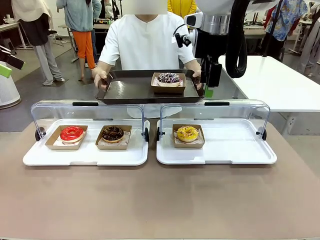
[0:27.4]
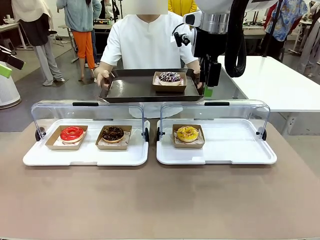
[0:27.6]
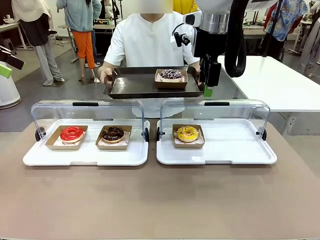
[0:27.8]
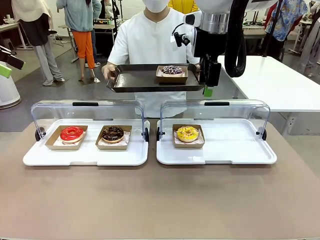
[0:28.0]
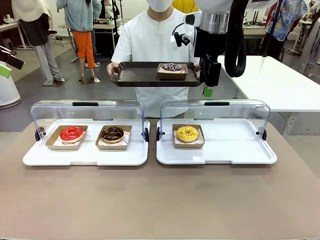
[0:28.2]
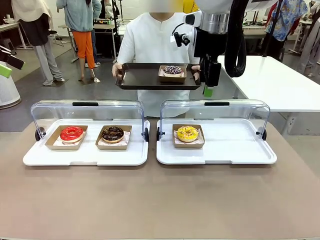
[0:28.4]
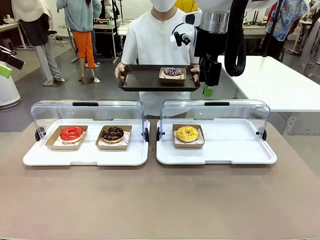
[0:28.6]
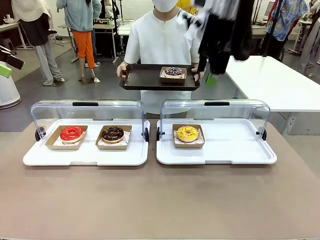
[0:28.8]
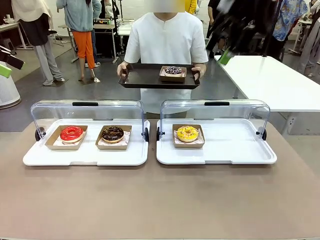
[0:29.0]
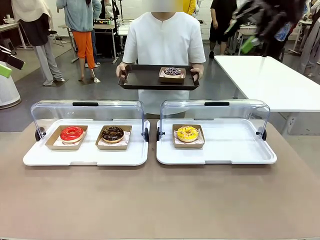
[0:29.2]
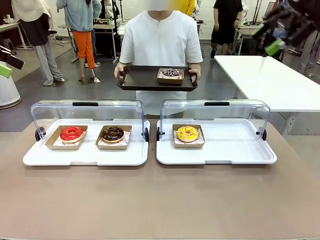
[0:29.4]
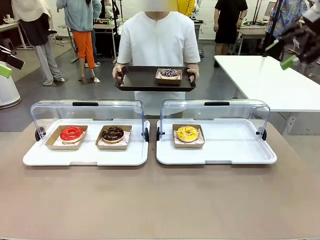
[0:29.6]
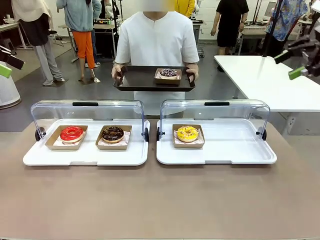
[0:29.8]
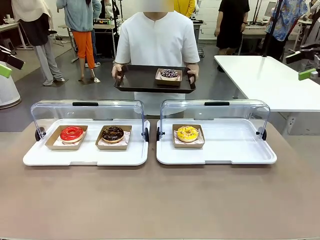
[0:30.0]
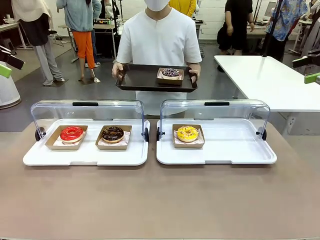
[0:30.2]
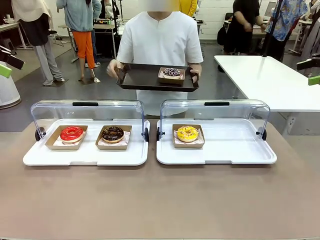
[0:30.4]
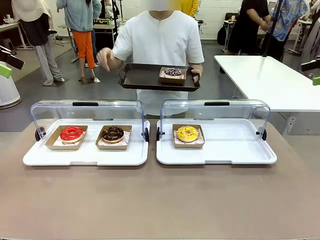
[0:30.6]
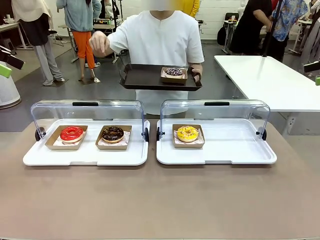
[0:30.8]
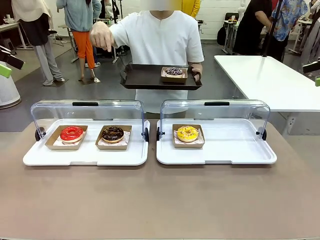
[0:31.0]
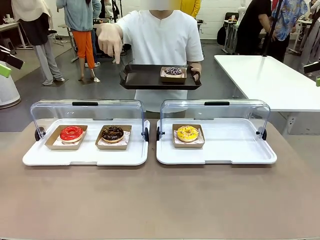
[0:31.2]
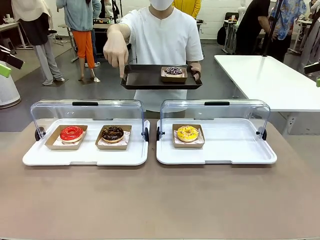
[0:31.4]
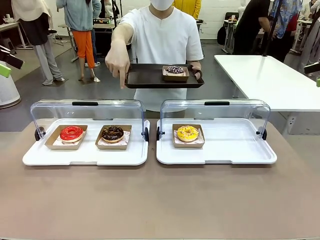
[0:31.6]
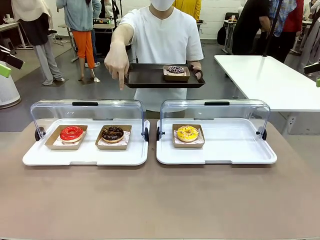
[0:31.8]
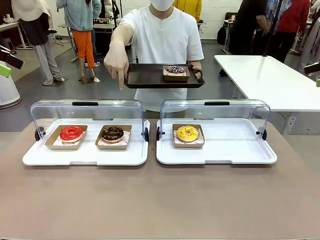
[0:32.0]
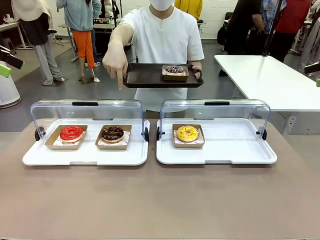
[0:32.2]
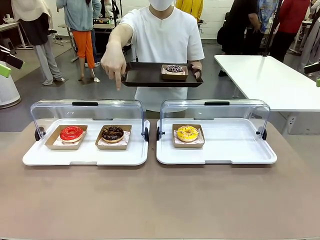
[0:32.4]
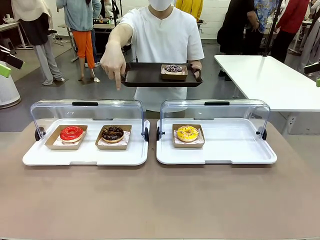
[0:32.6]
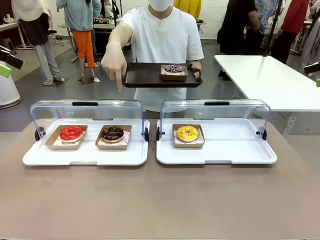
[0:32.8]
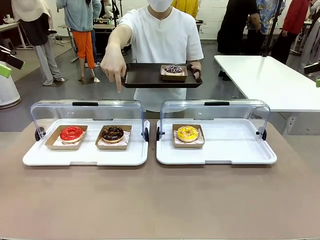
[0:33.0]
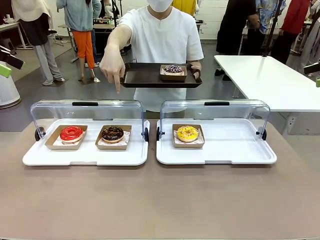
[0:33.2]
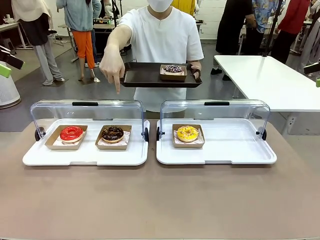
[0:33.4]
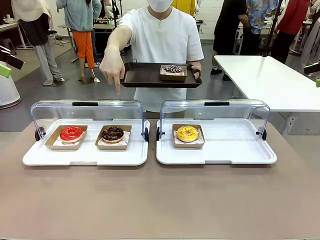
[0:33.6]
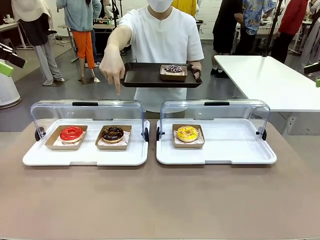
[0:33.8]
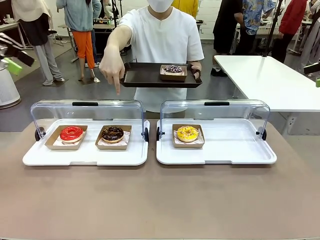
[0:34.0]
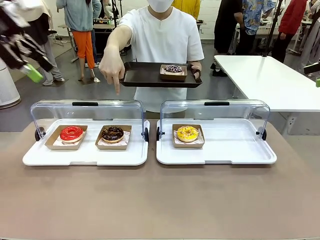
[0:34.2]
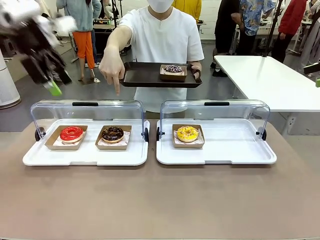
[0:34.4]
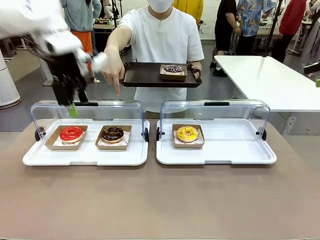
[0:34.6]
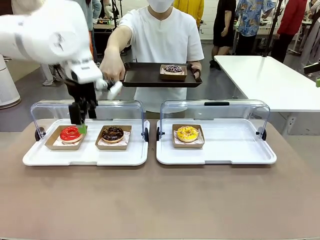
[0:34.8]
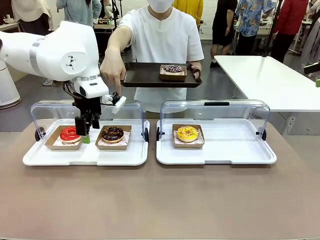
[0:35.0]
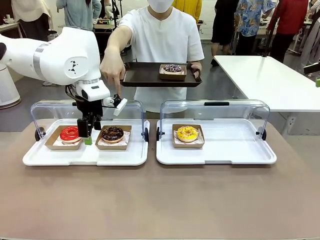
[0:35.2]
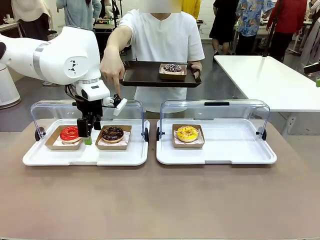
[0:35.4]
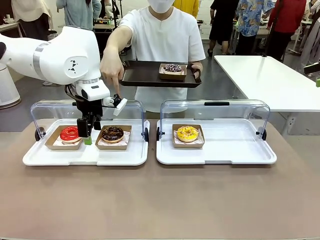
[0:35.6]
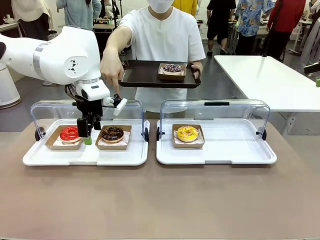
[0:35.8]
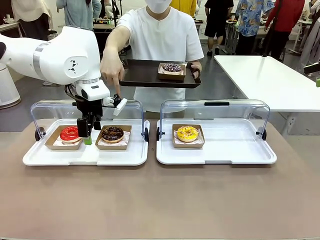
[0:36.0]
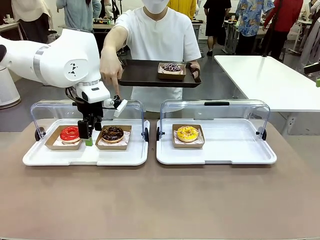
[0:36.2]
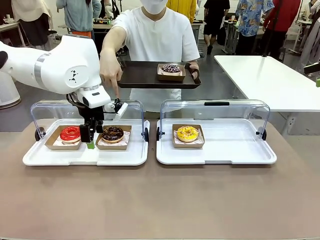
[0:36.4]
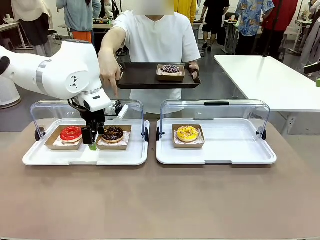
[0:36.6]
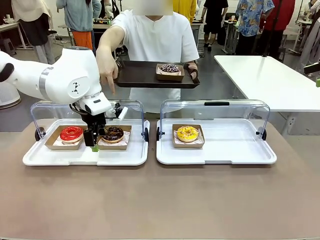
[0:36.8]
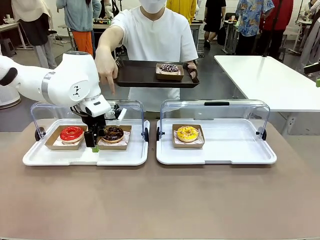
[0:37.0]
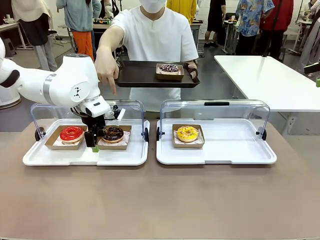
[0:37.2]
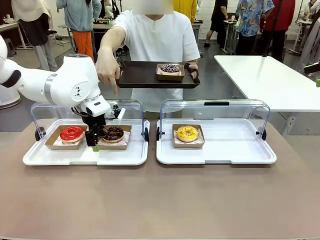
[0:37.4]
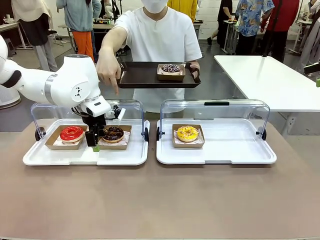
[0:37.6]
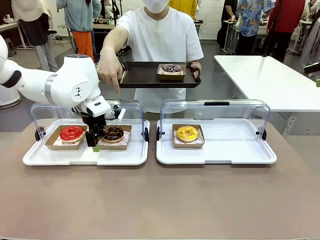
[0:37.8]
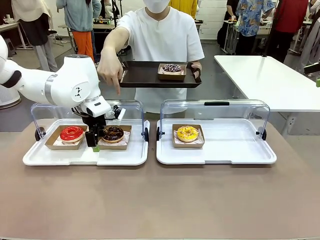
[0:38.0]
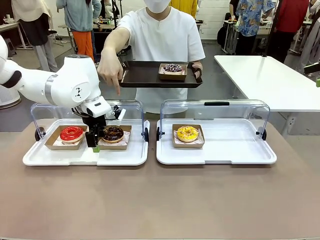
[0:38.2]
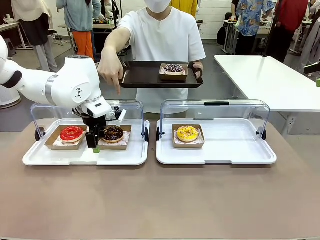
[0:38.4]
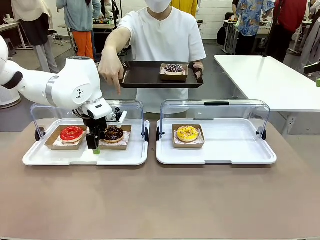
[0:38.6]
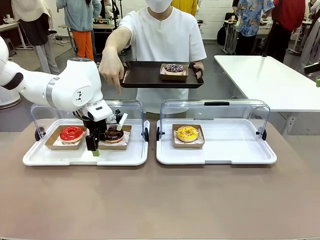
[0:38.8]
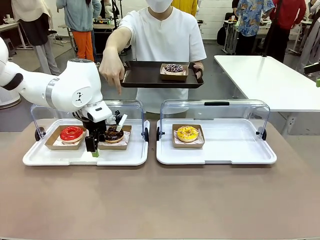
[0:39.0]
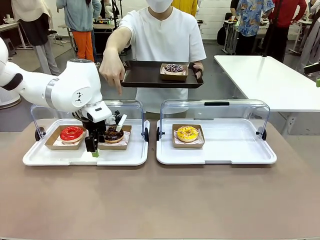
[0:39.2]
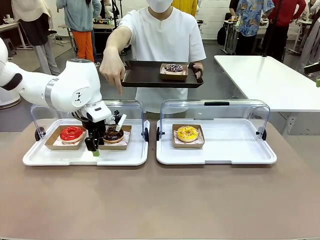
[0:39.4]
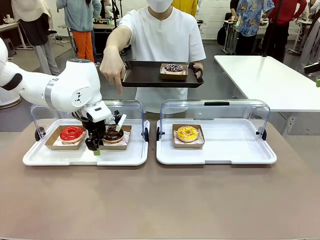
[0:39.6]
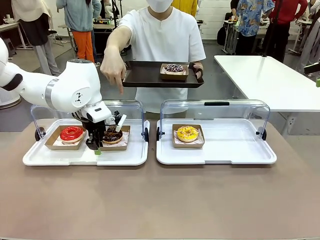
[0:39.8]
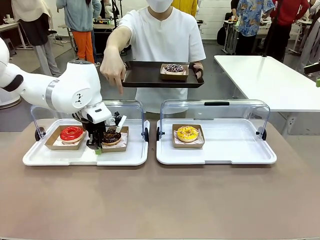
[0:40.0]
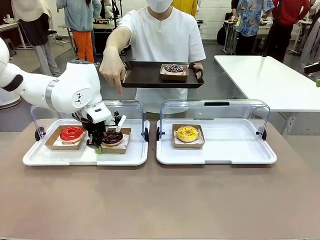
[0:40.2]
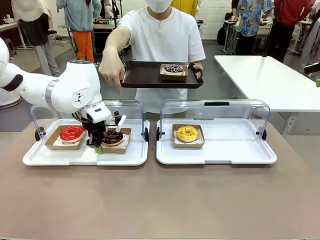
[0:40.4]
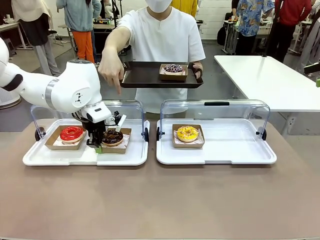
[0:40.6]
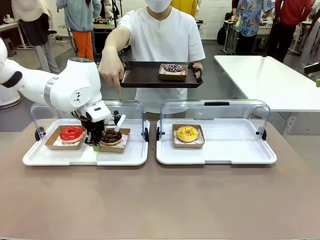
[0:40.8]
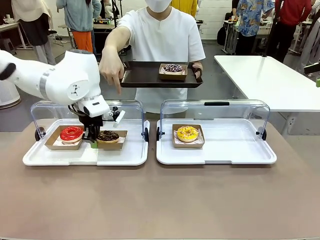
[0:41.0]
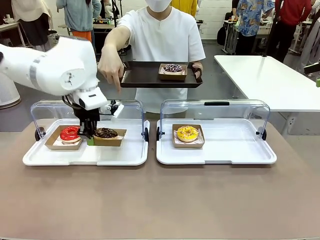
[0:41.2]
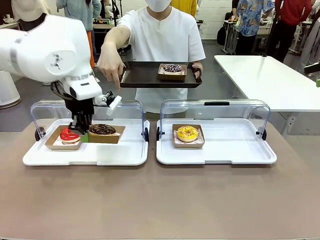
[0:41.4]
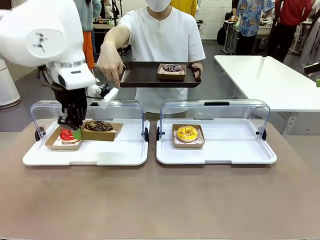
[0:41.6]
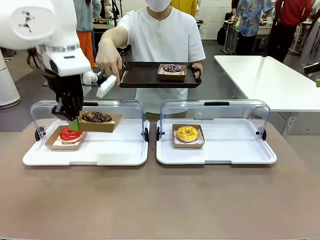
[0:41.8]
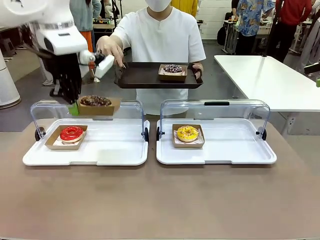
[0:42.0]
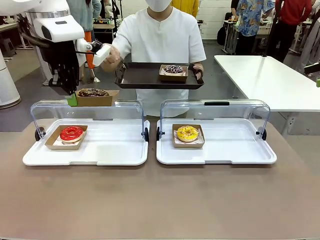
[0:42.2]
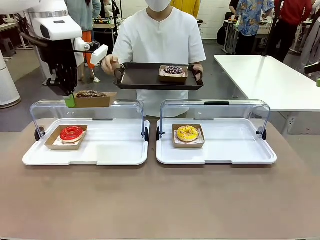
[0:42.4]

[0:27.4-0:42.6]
Task: Provide the desired donut to the person.
Robot: Pick up and lift the Paper togo box containing the Donut pointed at by the person.
Person: Point to one donut.
